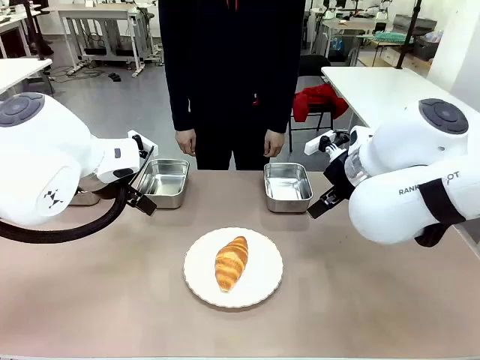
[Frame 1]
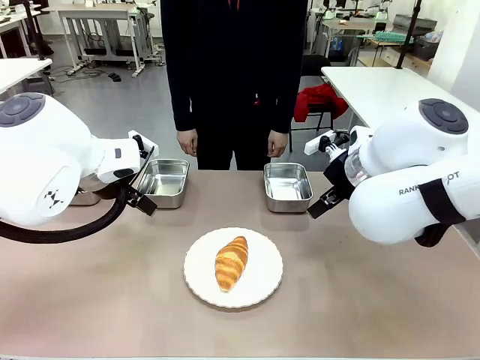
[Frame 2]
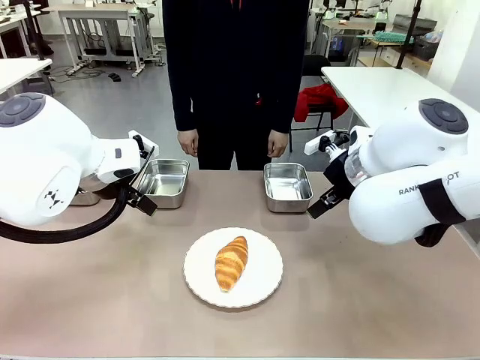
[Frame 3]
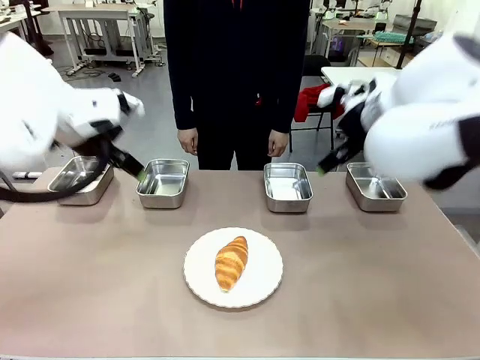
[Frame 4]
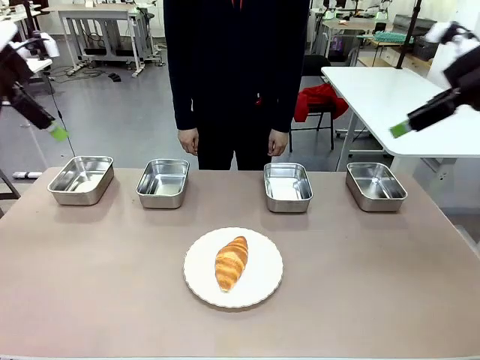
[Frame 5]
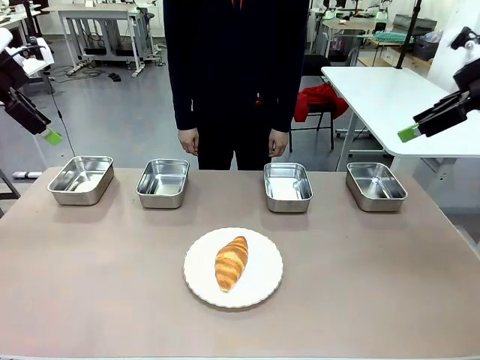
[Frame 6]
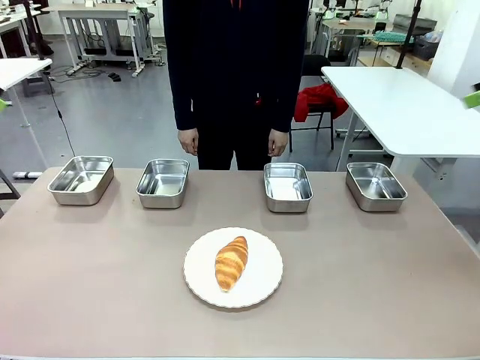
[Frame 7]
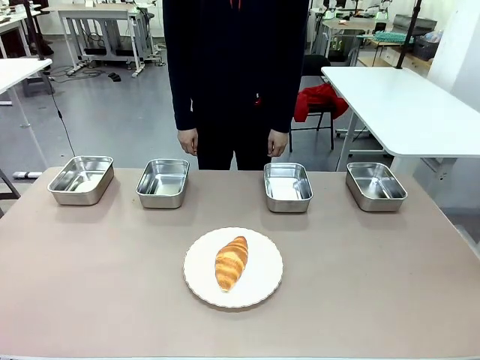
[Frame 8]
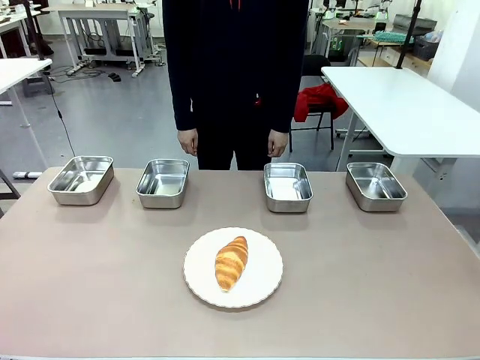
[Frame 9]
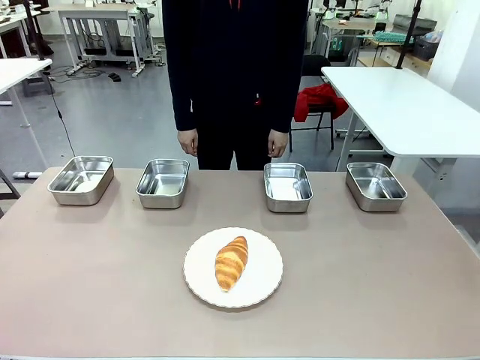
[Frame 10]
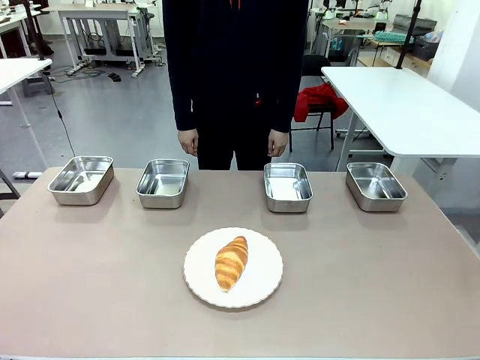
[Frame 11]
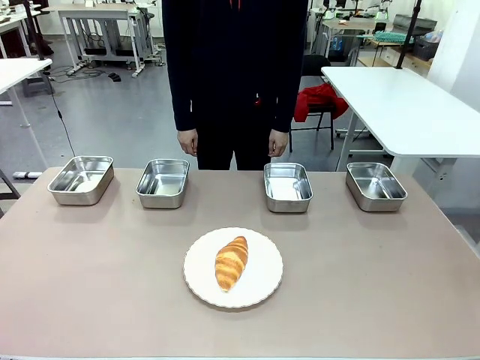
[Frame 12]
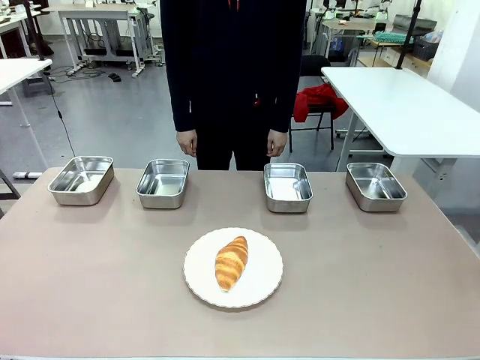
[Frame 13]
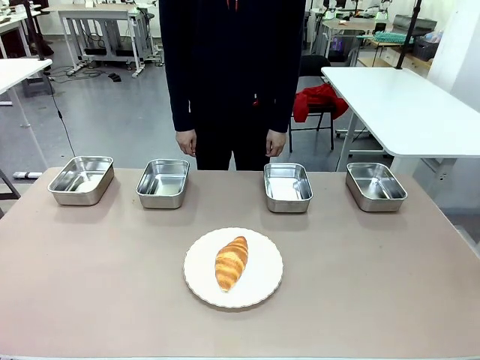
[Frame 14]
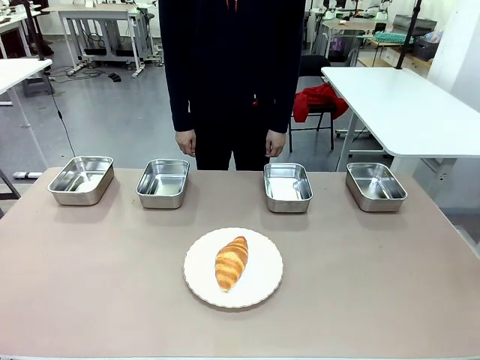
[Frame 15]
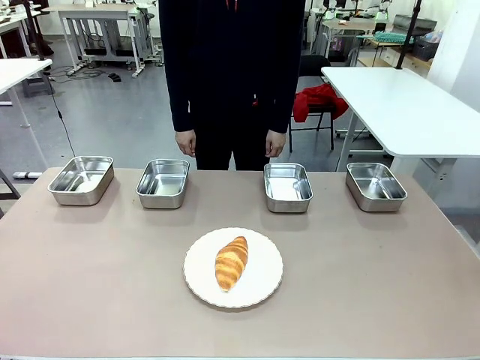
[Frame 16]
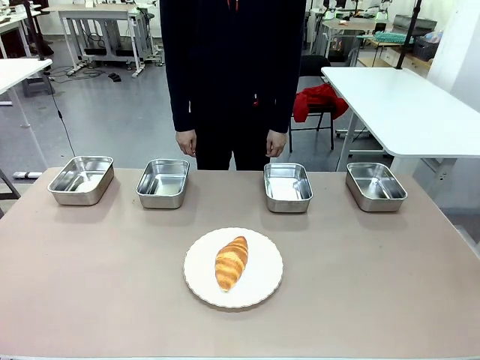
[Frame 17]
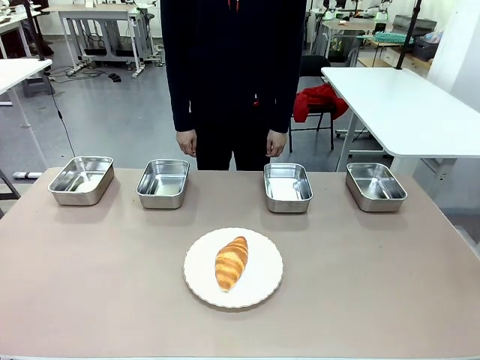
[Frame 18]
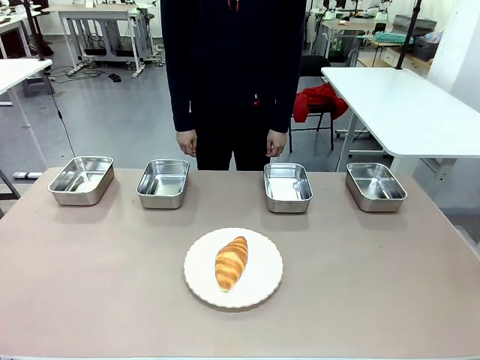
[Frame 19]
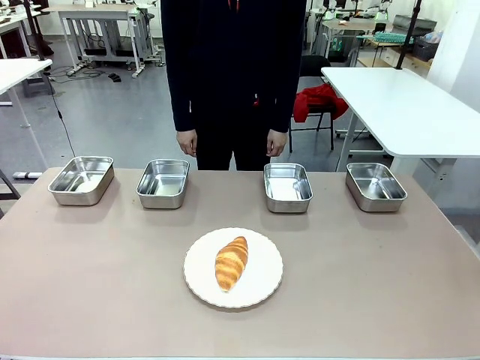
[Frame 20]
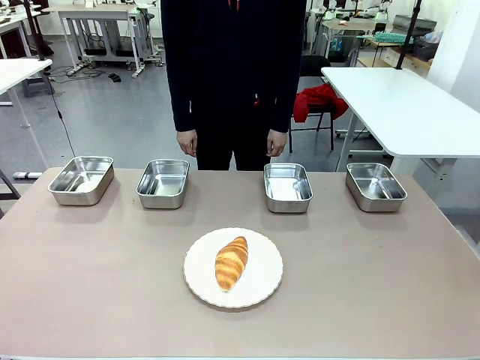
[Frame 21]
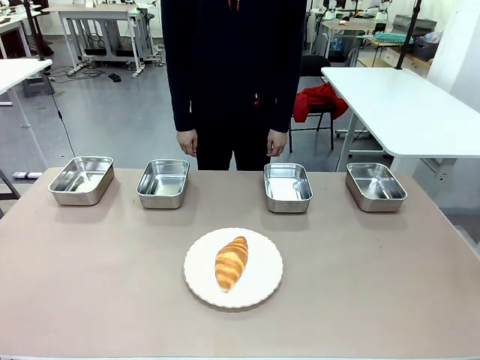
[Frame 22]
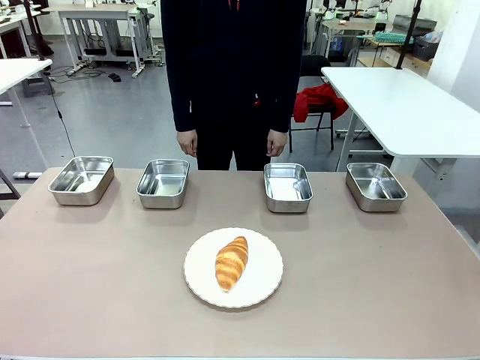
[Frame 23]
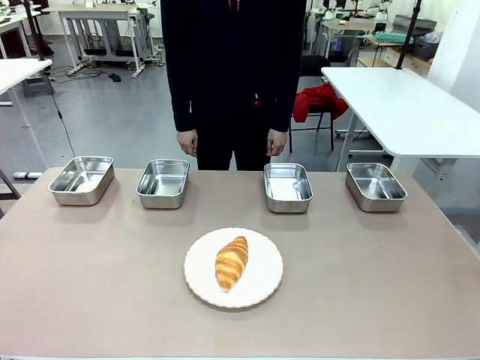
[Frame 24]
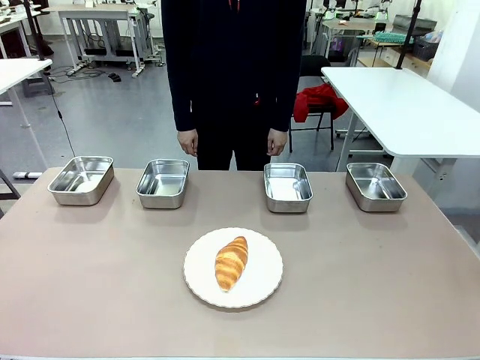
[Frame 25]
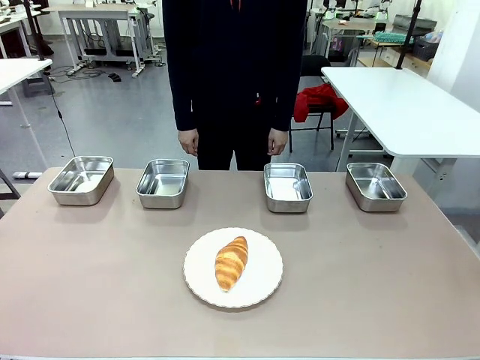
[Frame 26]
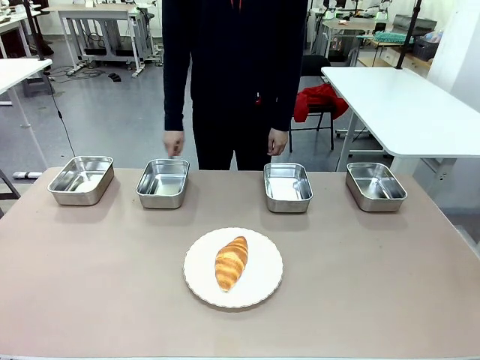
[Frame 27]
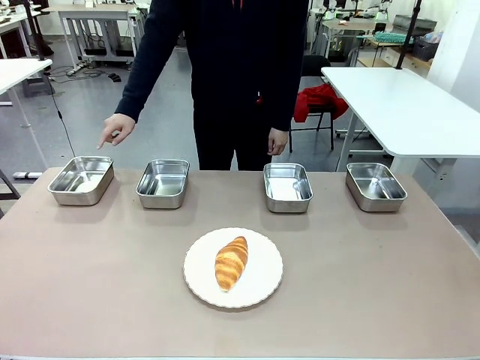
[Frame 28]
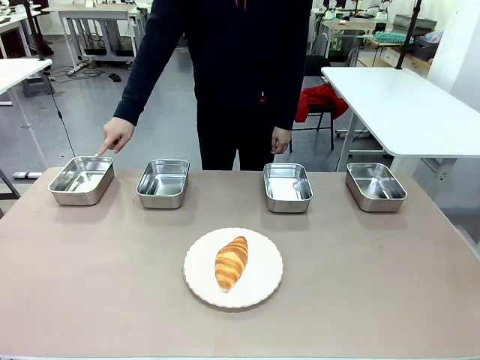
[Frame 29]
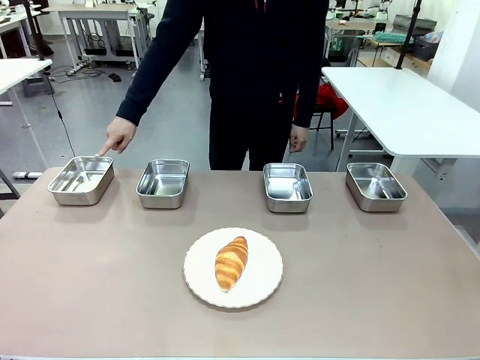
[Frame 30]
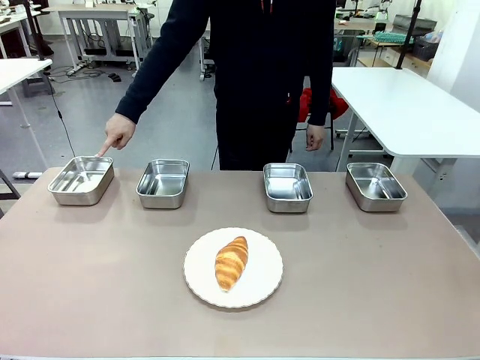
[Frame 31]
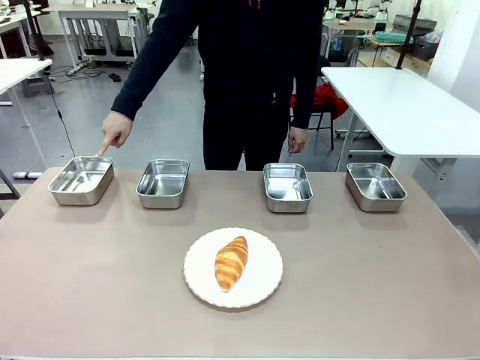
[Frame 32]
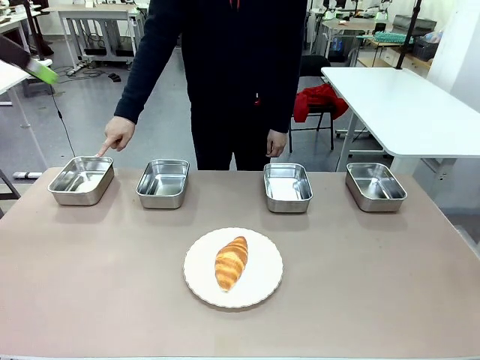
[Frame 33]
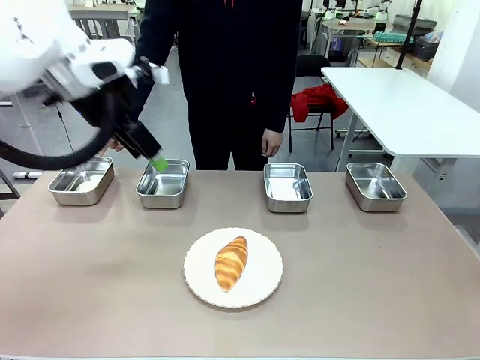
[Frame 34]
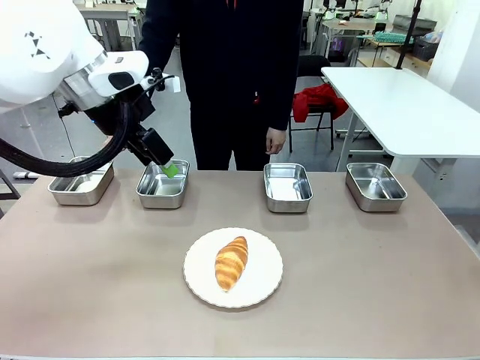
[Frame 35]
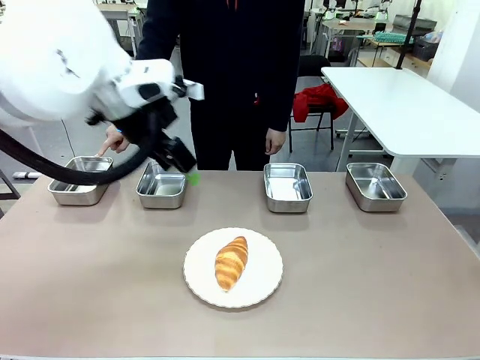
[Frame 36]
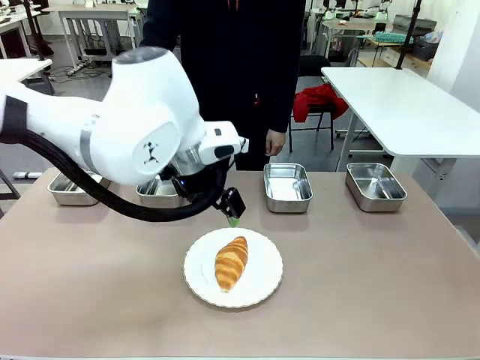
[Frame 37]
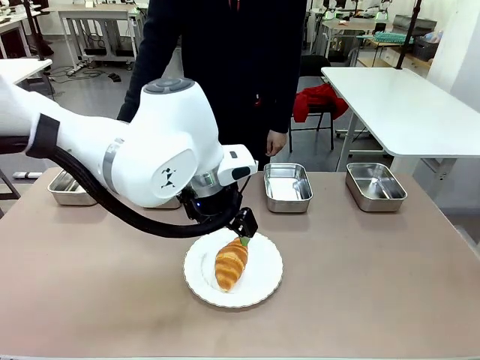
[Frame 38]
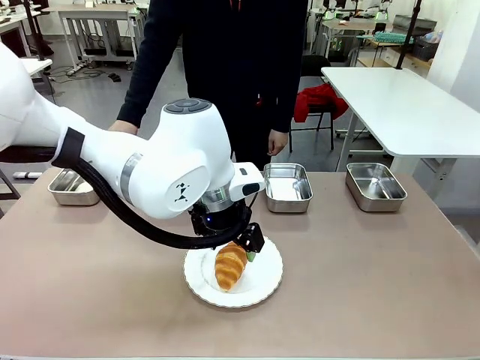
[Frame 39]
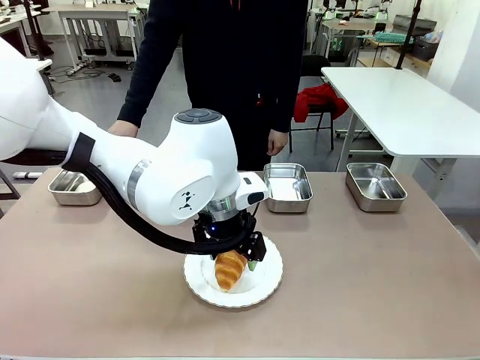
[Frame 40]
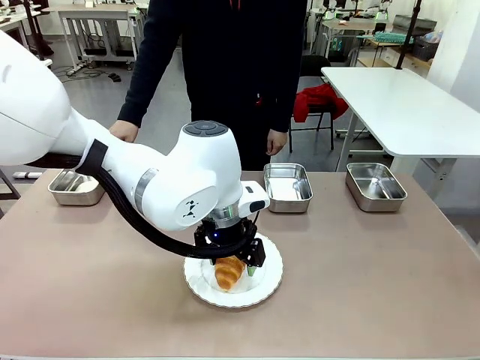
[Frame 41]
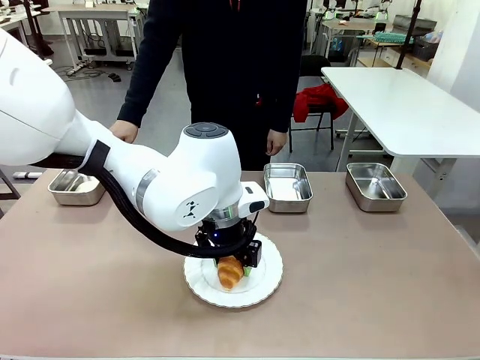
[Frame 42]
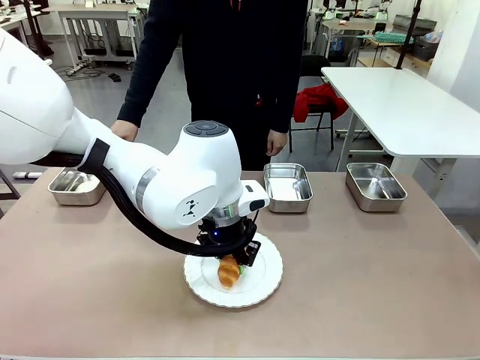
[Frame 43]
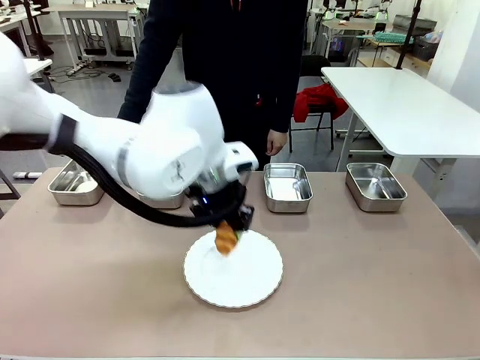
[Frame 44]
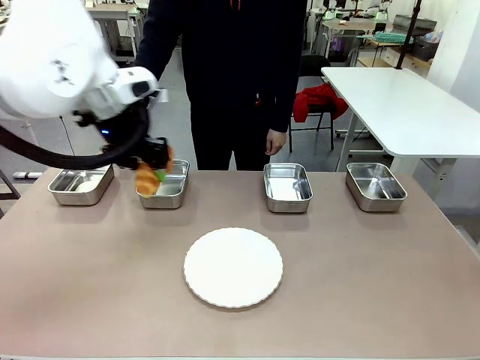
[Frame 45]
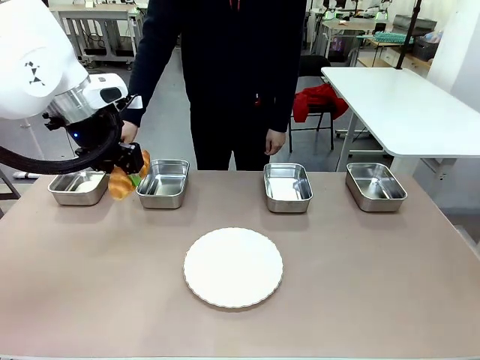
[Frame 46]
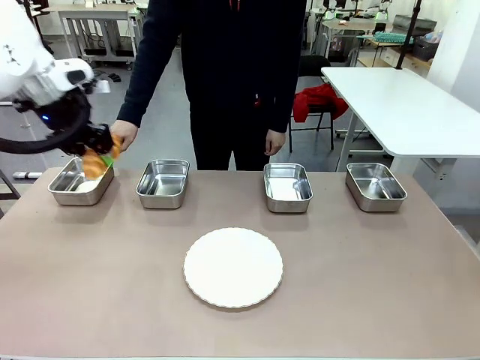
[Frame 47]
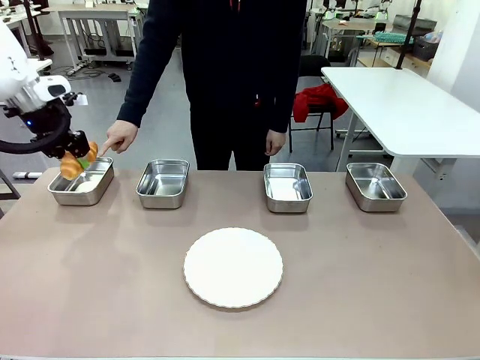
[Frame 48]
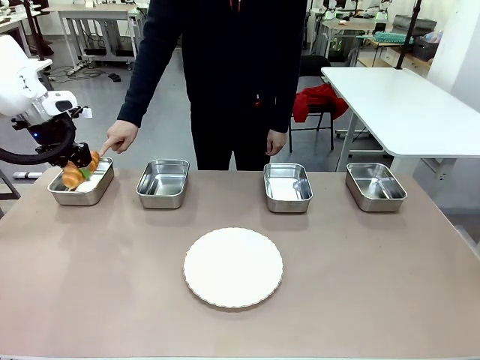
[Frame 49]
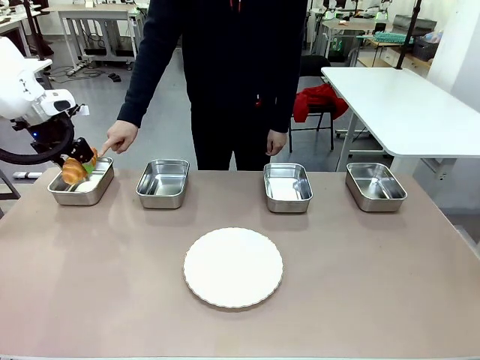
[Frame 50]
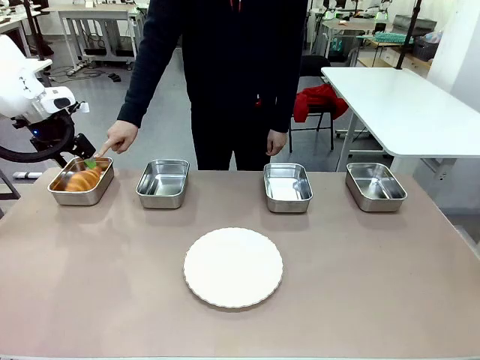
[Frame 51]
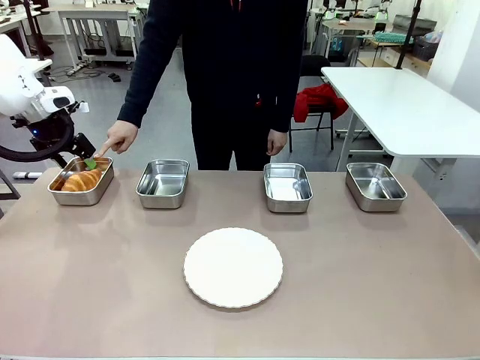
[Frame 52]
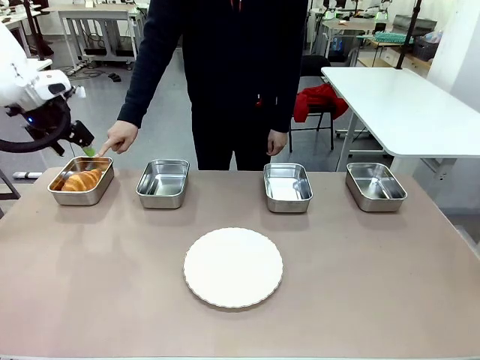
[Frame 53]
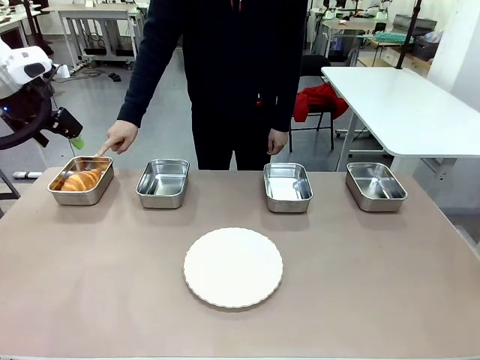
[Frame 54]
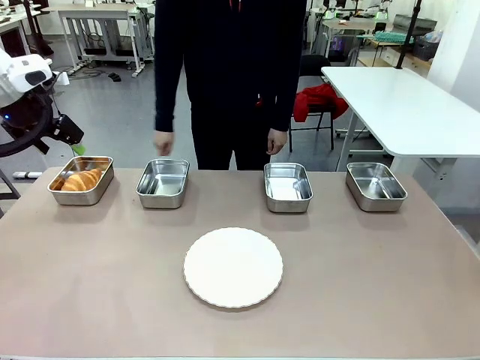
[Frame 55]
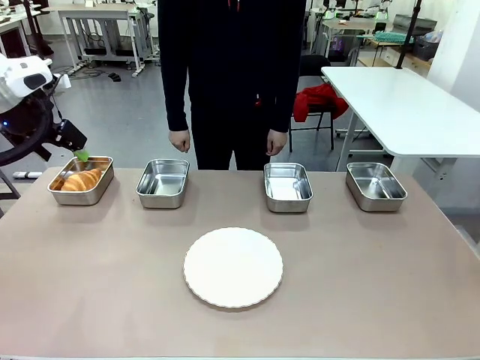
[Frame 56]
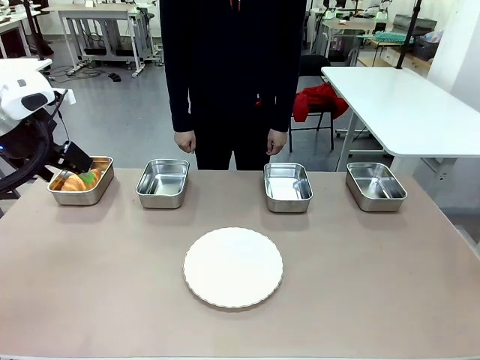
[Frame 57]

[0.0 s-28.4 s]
Task: Place the bread in the container.
Robot: Place the Butter Roll into the Airtight Container indicated by the human.
Person: A person randomly selects and points to an Airtight Container.
